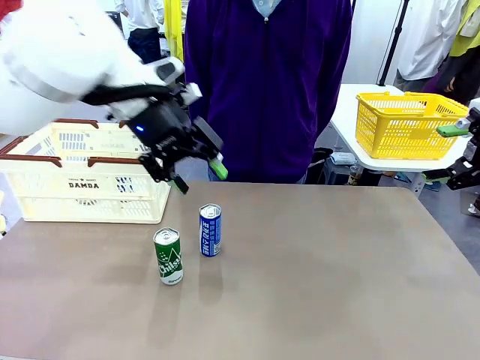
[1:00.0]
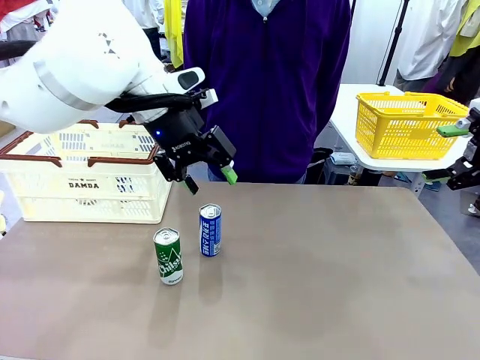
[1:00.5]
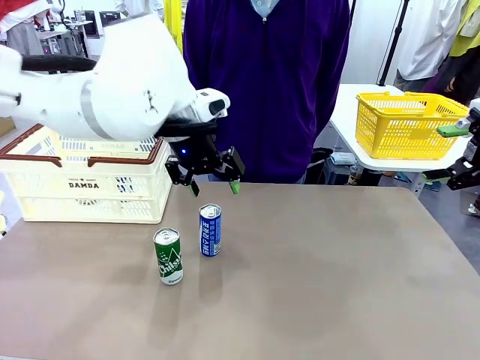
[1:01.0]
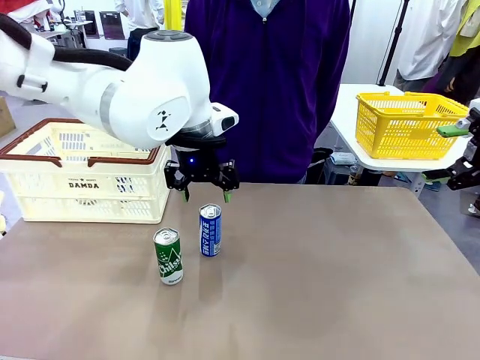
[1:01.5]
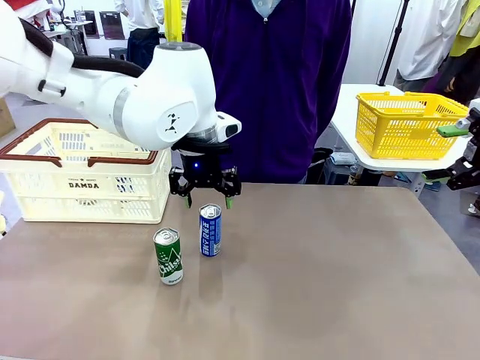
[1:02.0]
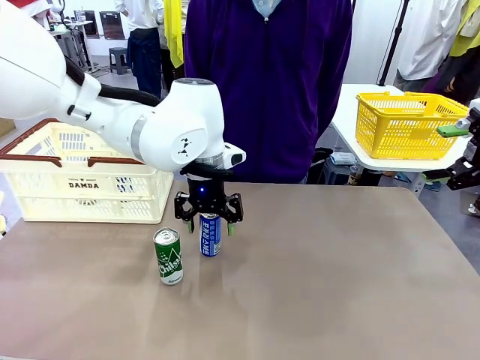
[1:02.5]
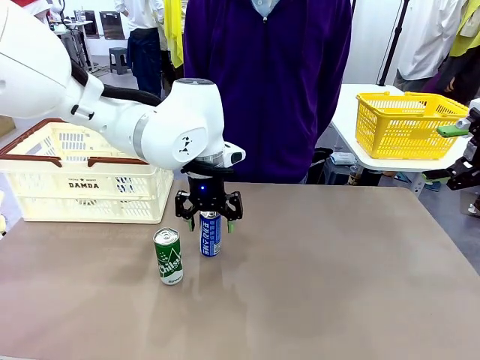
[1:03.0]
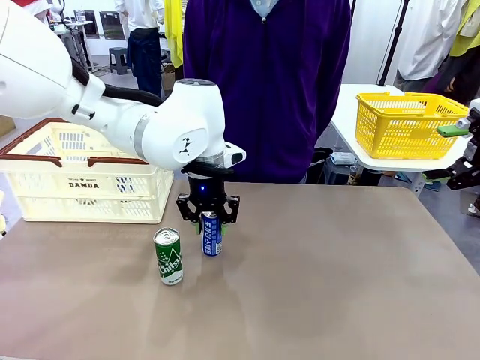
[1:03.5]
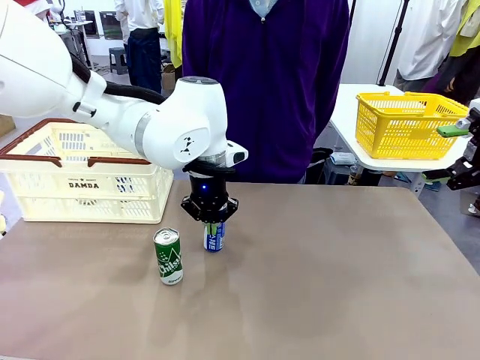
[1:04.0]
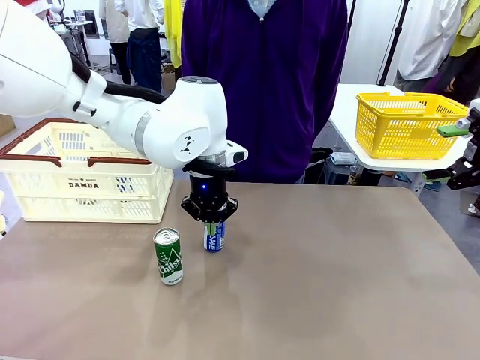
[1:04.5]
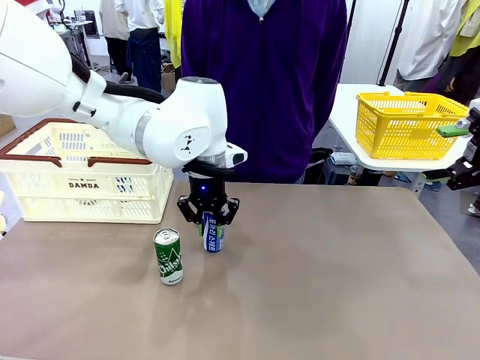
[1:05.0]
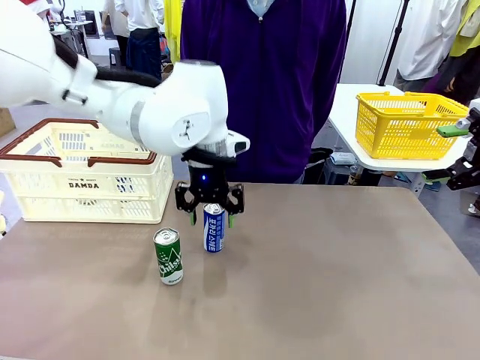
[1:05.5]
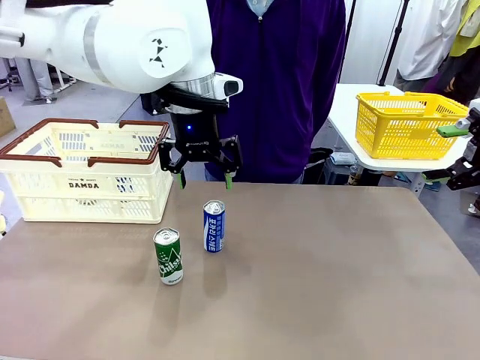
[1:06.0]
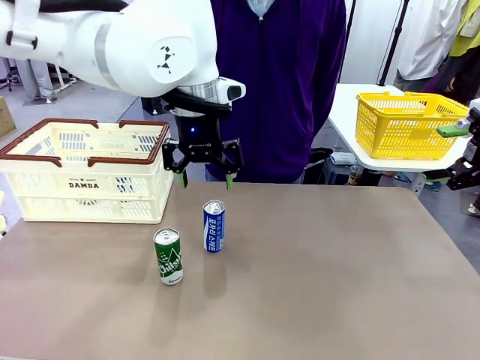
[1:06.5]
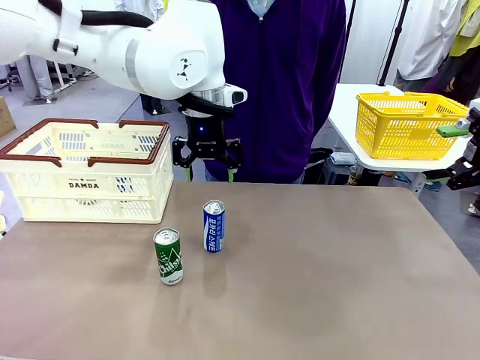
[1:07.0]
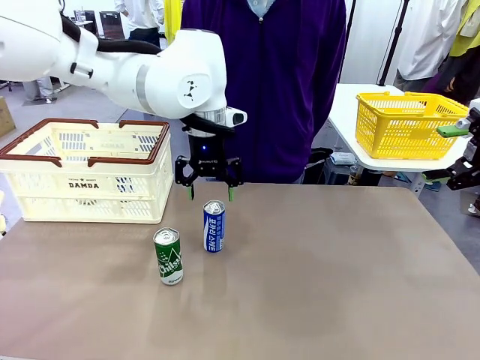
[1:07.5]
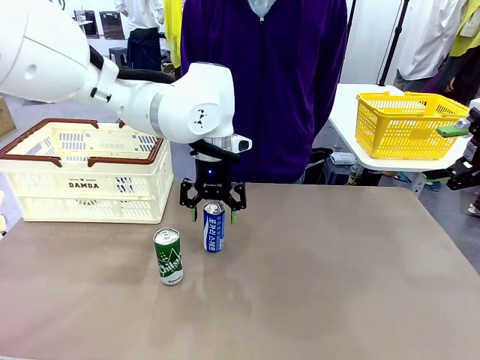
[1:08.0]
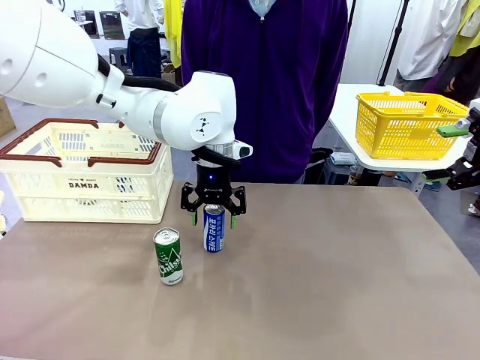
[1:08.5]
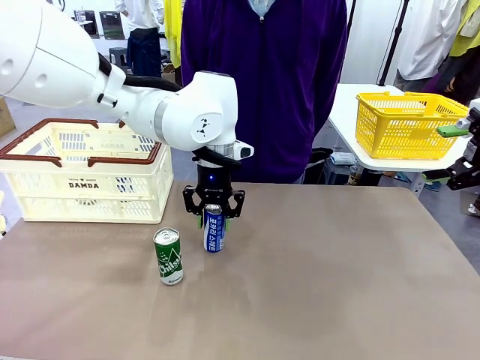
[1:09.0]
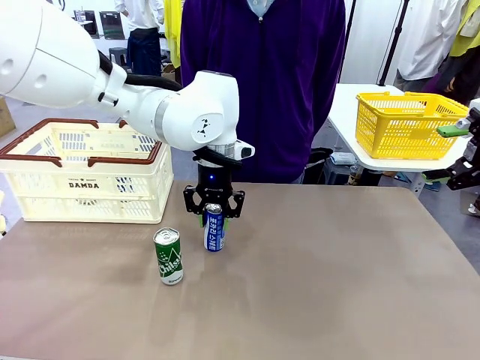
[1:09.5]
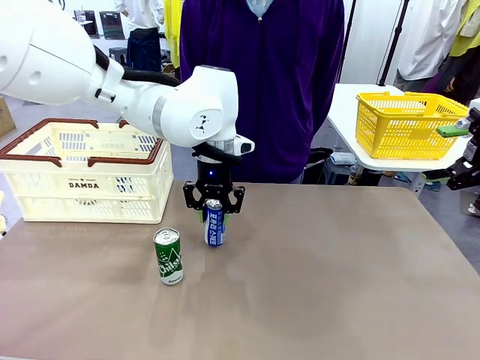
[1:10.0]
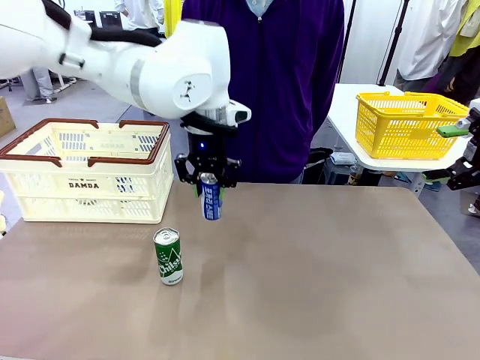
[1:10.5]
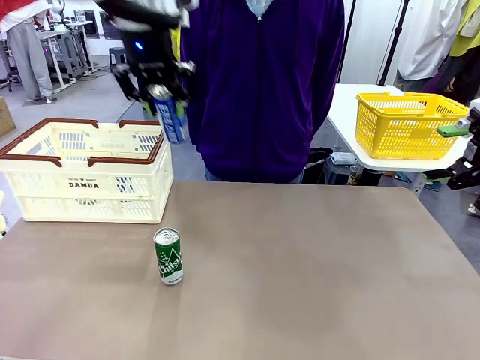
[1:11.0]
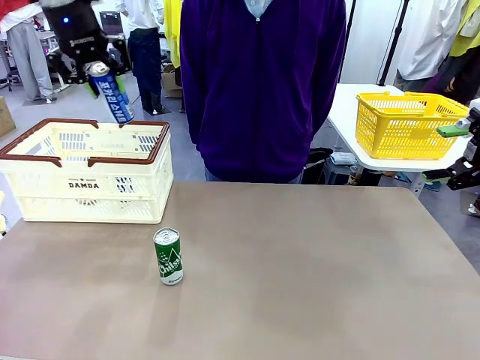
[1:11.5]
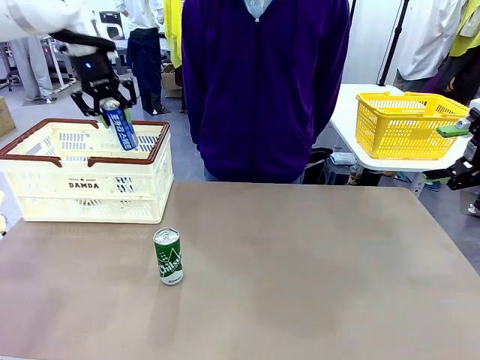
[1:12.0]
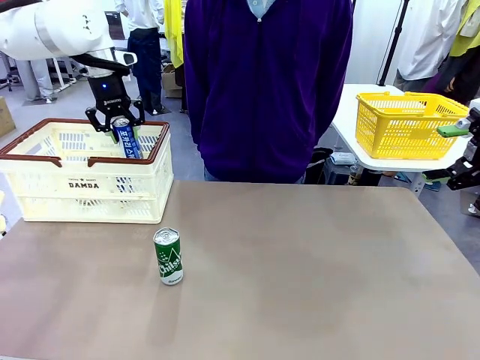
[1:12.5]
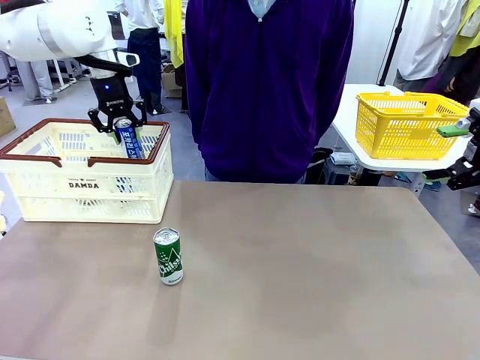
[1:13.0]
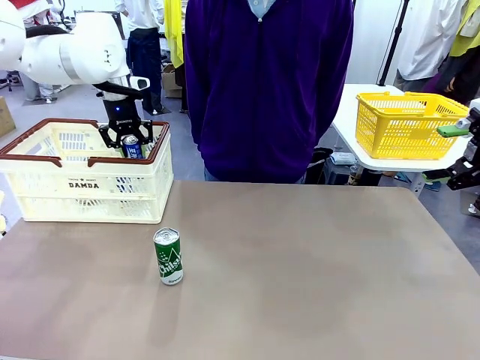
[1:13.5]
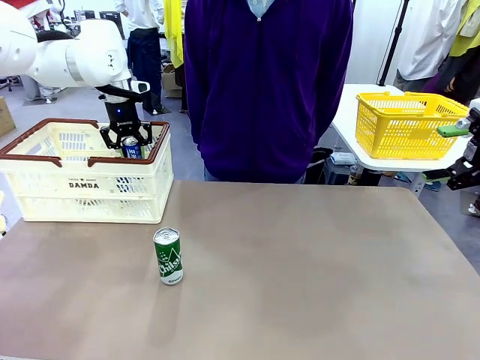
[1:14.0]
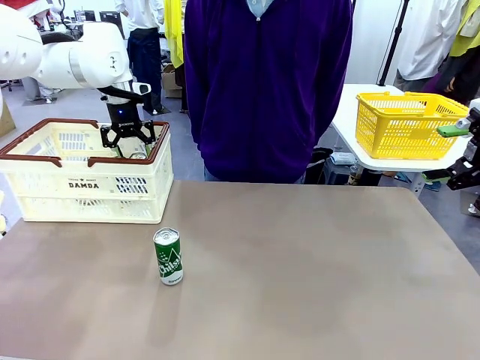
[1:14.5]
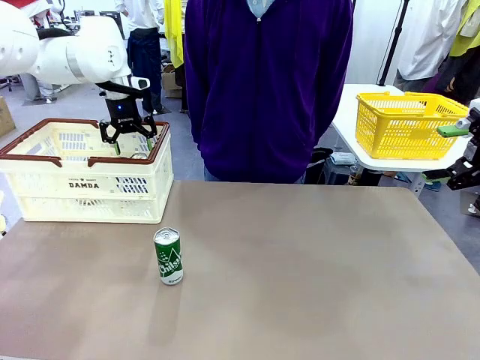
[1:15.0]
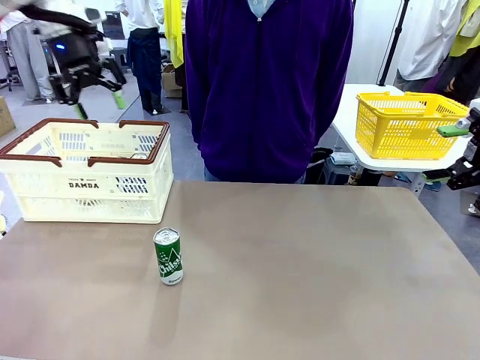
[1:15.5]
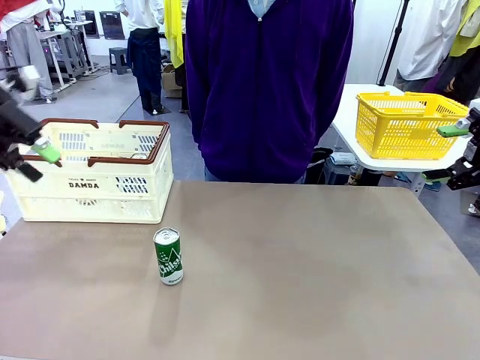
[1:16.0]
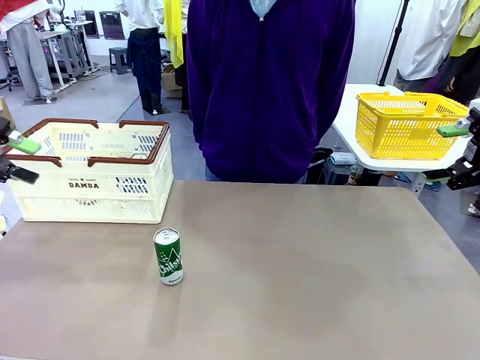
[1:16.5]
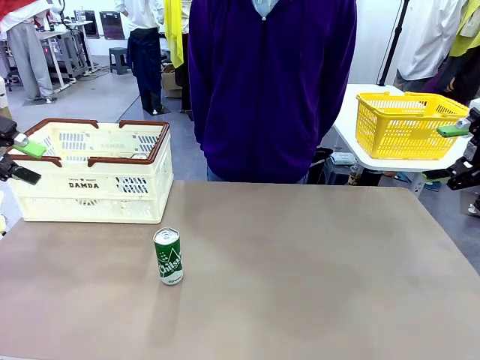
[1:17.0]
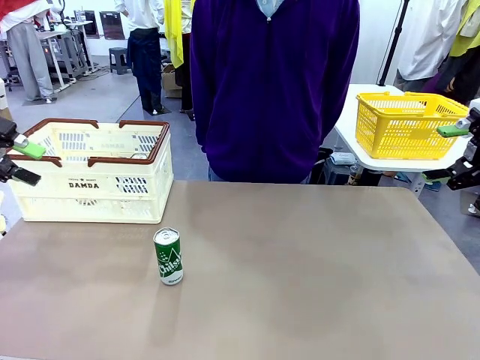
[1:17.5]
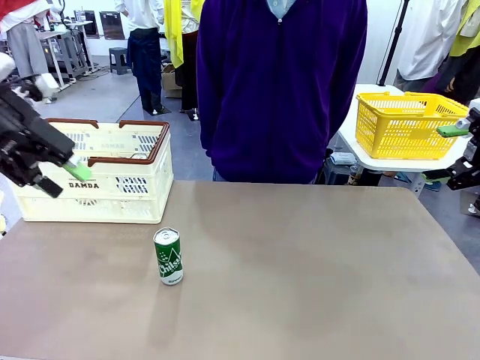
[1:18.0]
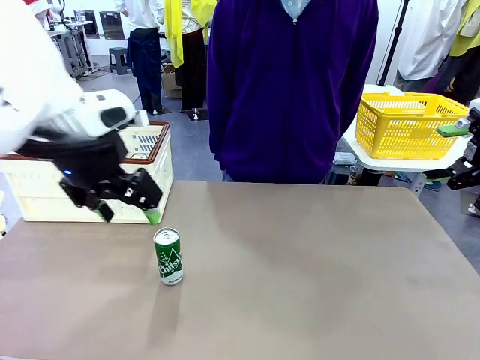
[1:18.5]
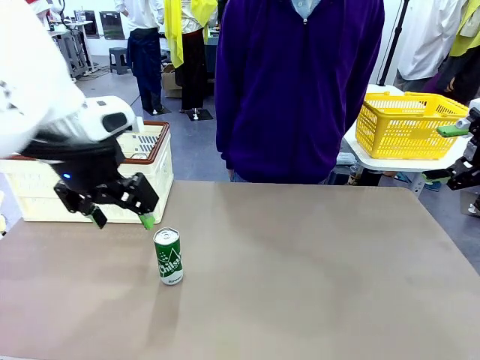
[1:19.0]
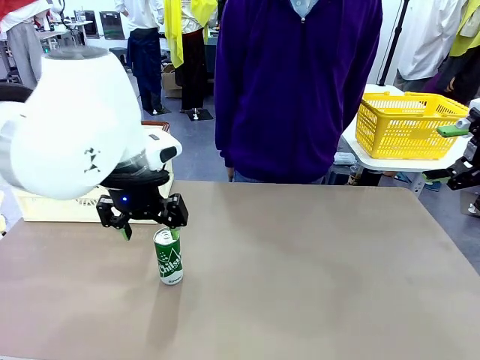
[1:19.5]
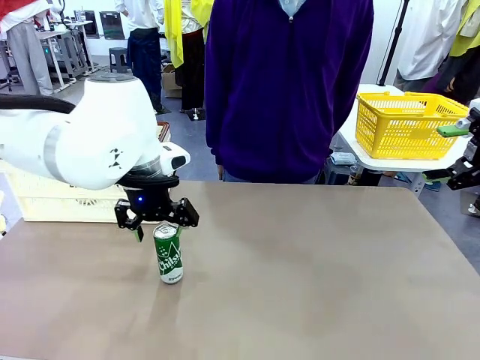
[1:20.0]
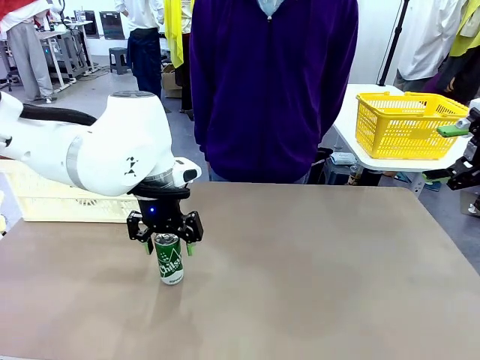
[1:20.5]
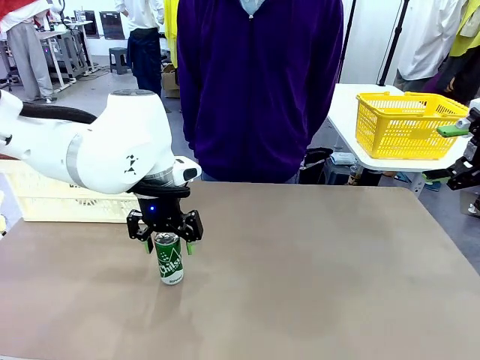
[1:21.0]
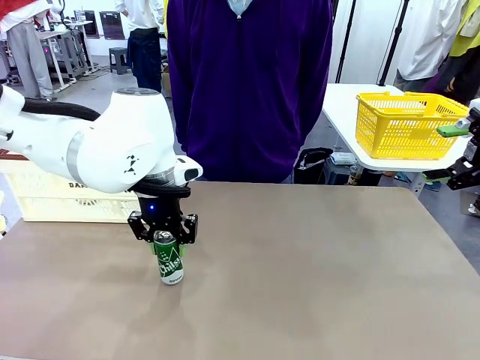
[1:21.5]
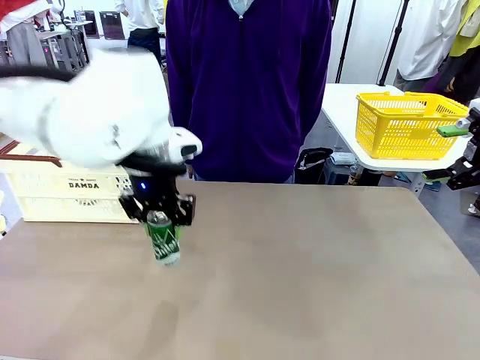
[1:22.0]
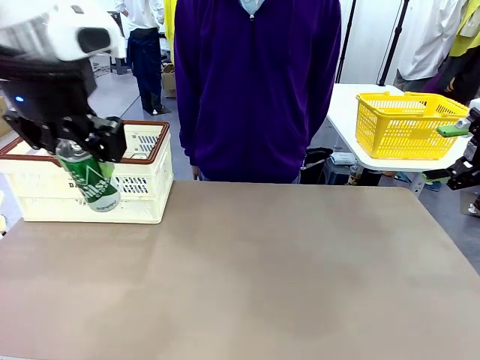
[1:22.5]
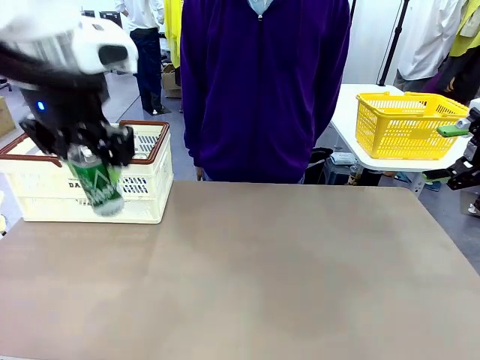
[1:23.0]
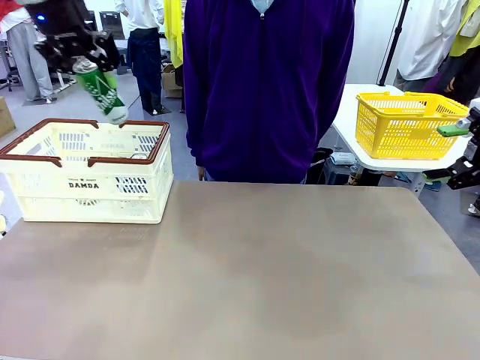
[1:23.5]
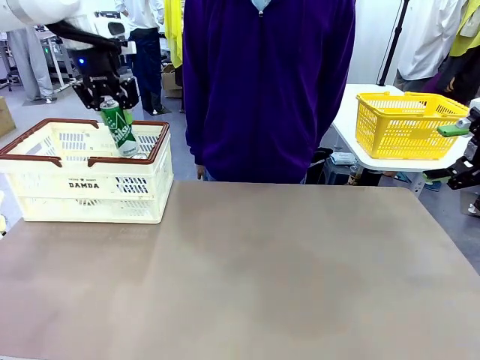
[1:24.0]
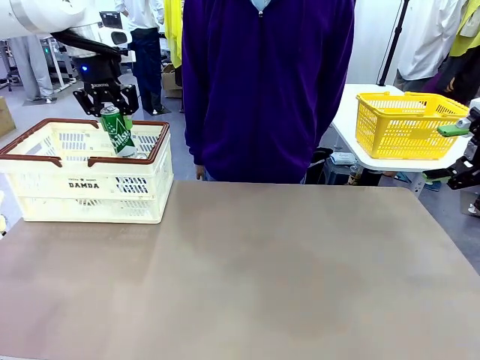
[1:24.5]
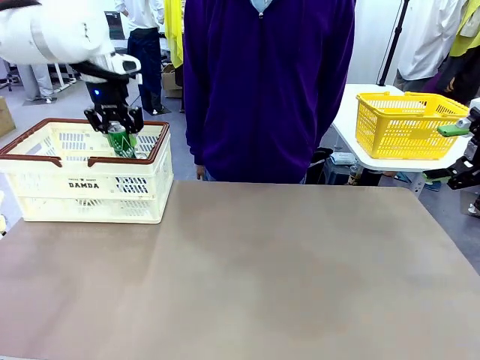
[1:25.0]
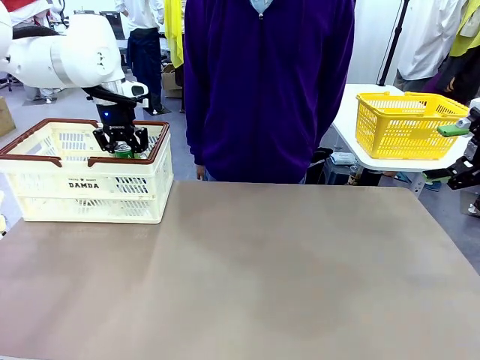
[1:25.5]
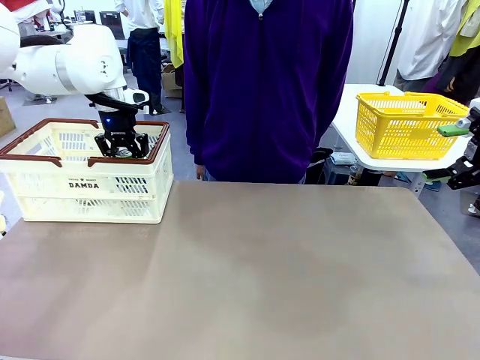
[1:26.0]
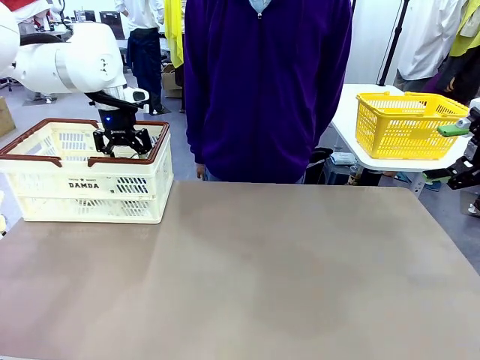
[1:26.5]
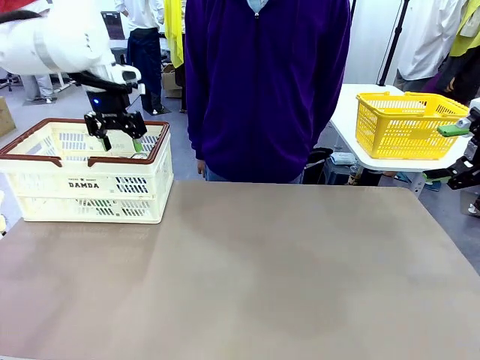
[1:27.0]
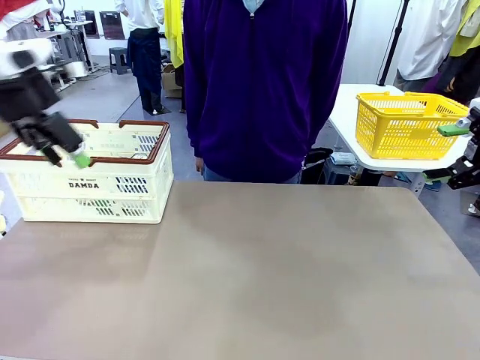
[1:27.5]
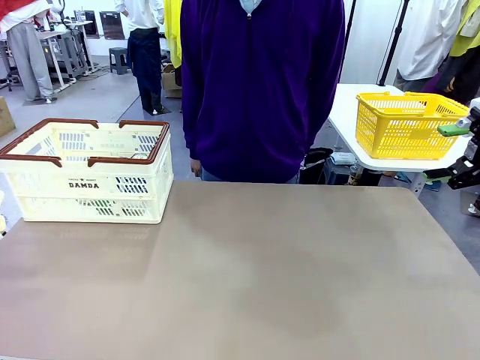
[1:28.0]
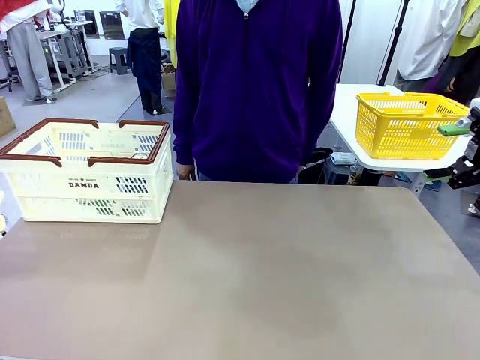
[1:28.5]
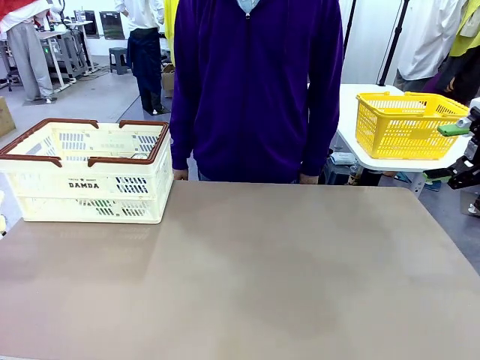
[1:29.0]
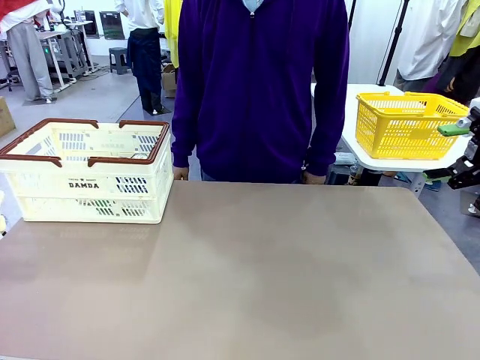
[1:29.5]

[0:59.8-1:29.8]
Task: Place the drinks into the Shopping basket.
Robot: Pick up one drink and place it into the Shopping basket.
